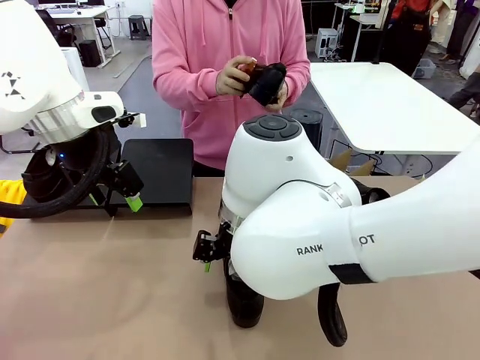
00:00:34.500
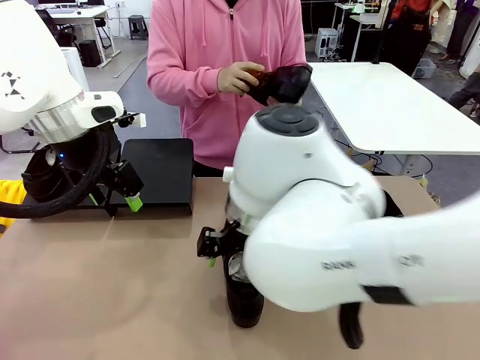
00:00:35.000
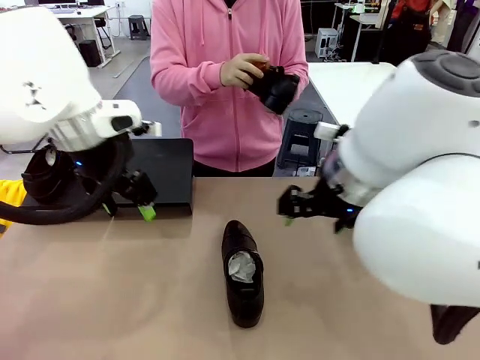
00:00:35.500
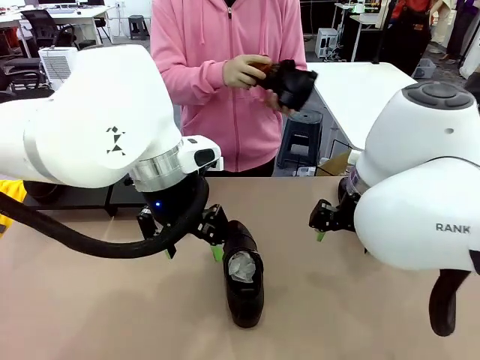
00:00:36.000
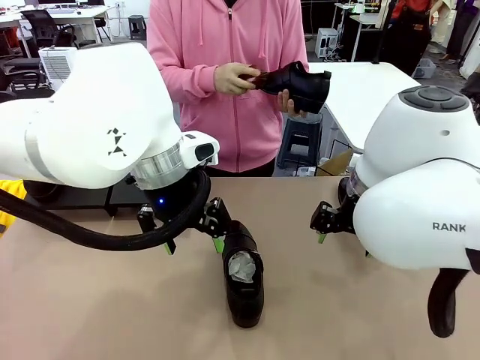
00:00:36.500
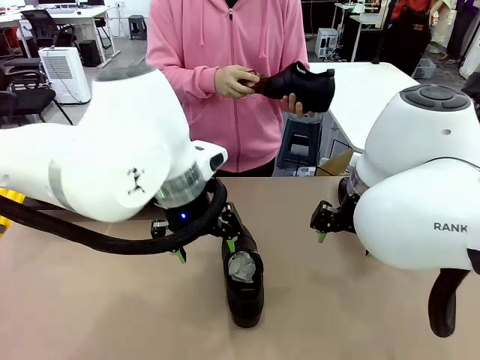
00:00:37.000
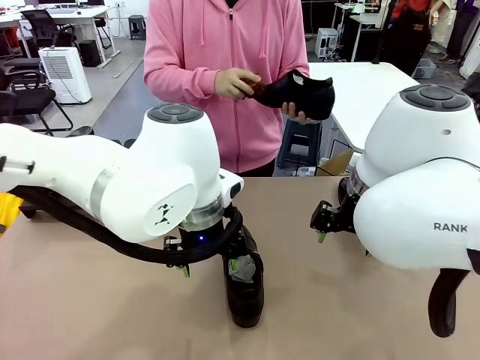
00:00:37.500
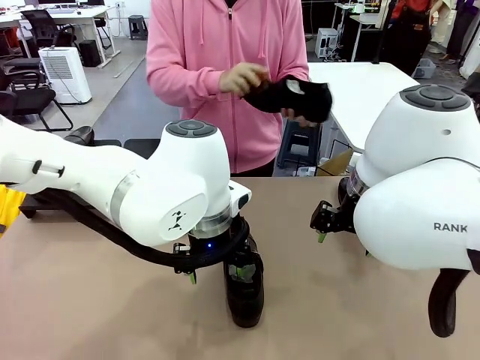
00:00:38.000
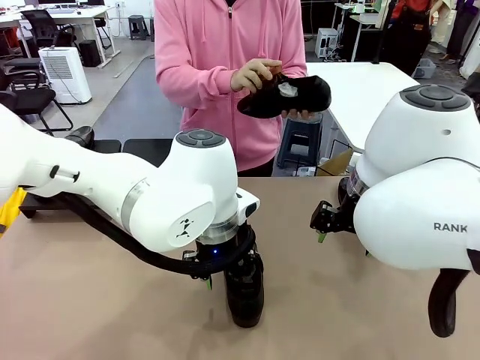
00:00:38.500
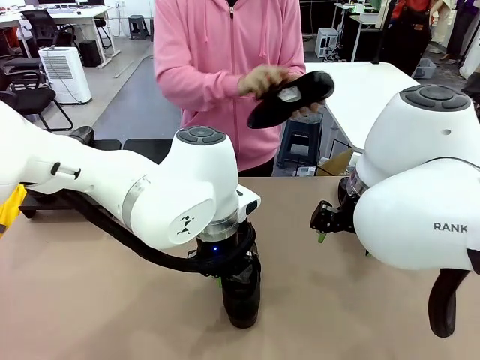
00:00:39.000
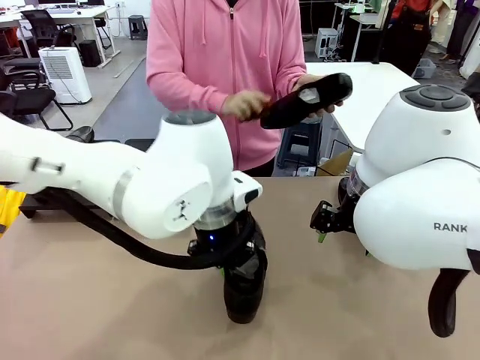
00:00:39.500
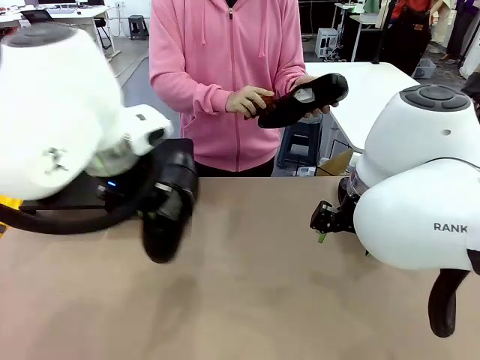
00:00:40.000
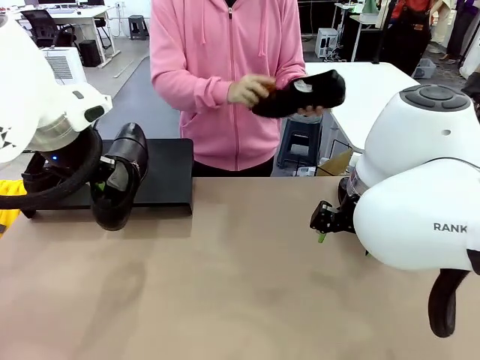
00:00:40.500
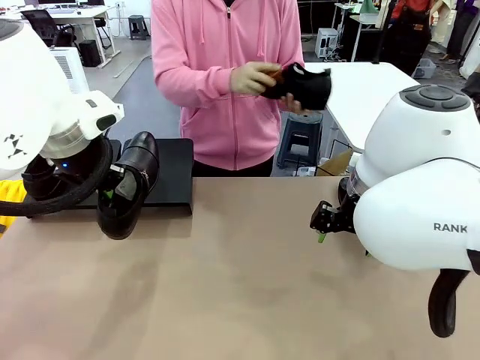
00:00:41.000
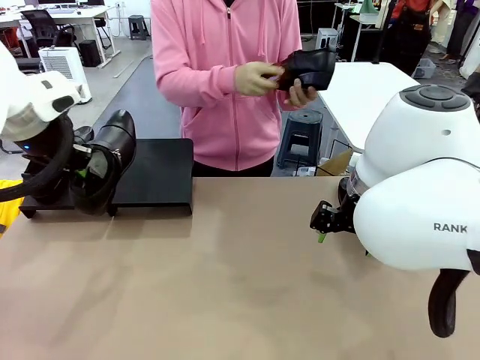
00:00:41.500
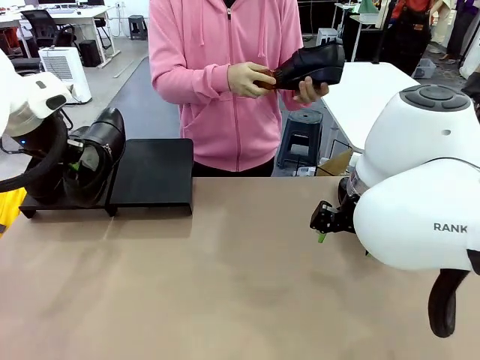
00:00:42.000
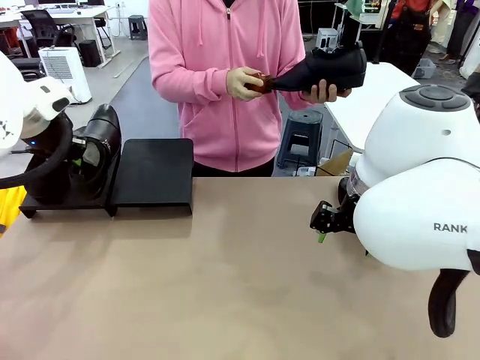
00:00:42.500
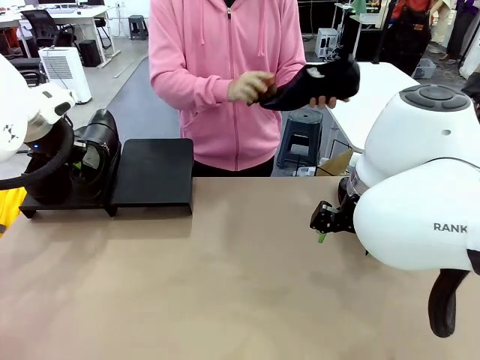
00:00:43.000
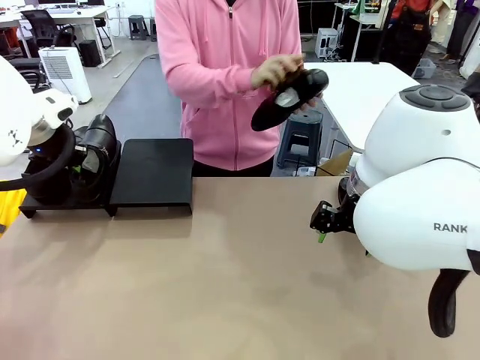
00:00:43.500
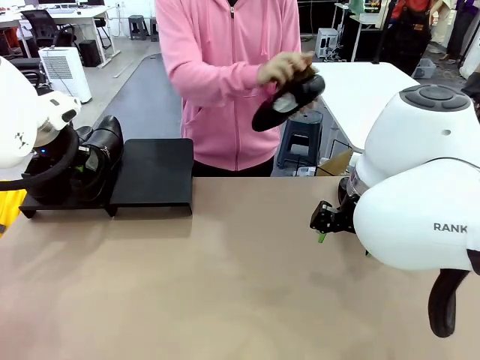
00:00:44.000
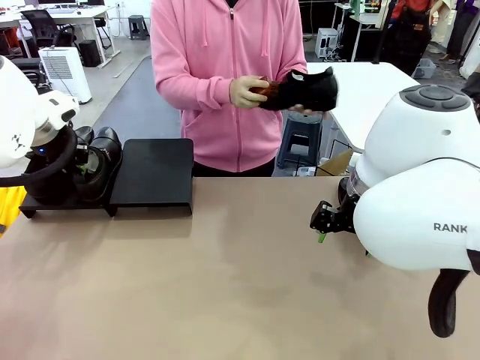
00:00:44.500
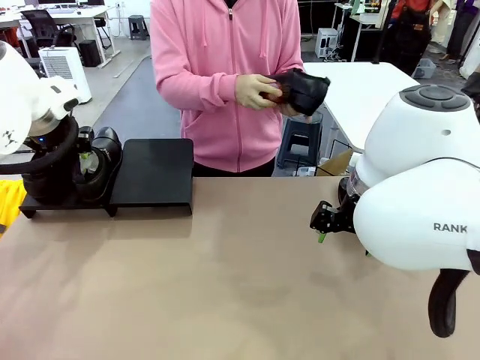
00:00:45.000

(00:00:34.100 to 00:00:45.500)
Task: Organize the shoes by placing them on the stand.
Robot: Place the Shoe from the middle of the table onto the Shoes Stand.
Person: Clean the Shoe with the Shoe Brush.

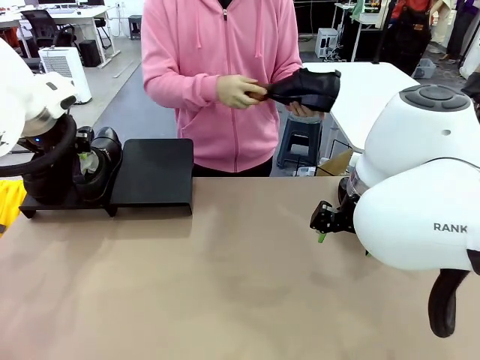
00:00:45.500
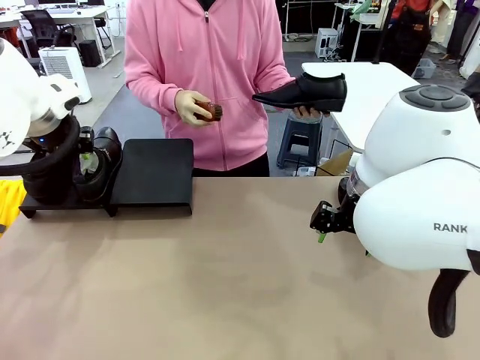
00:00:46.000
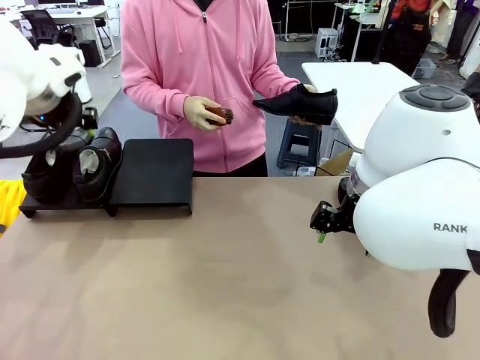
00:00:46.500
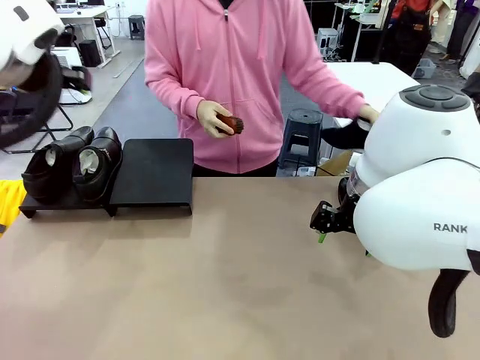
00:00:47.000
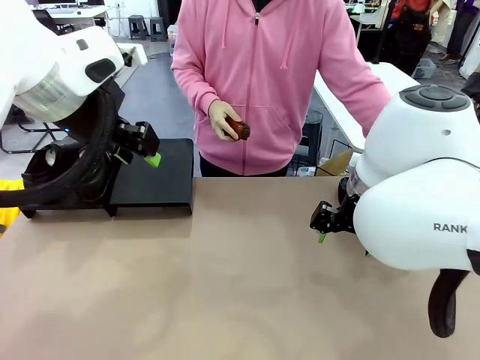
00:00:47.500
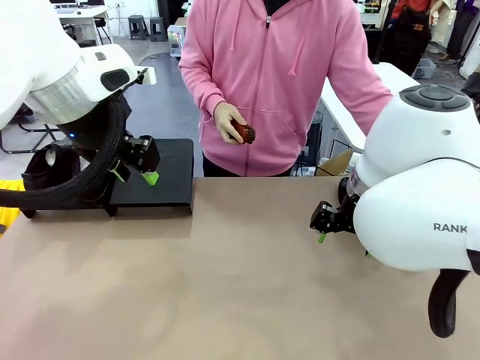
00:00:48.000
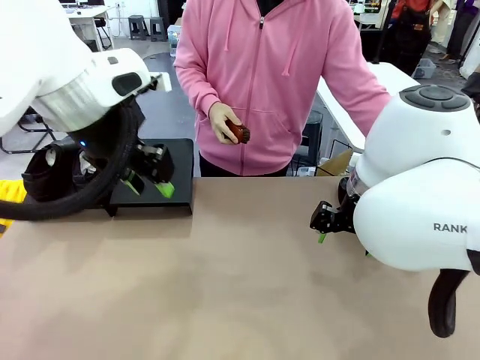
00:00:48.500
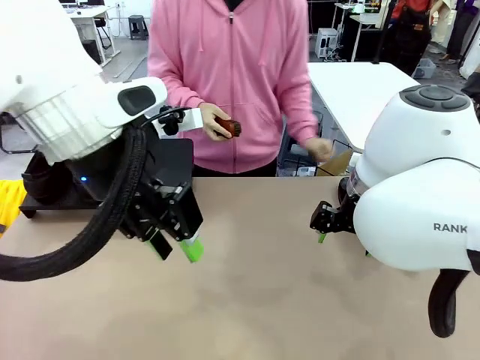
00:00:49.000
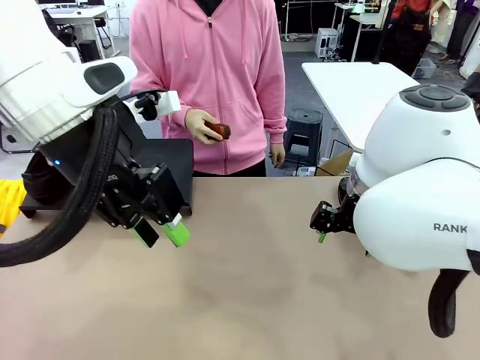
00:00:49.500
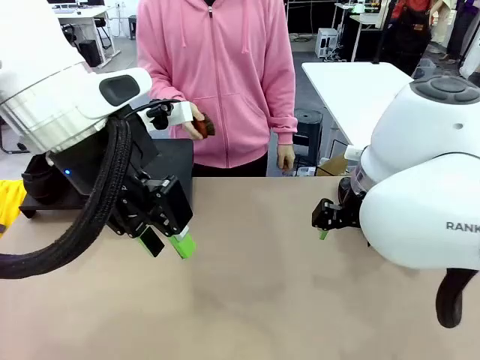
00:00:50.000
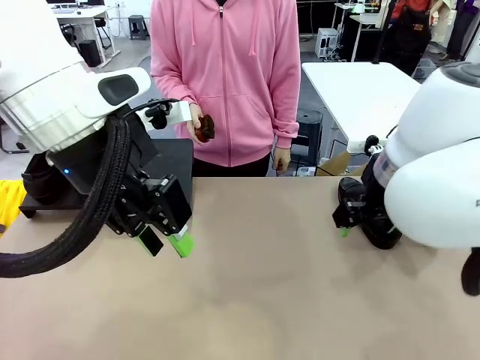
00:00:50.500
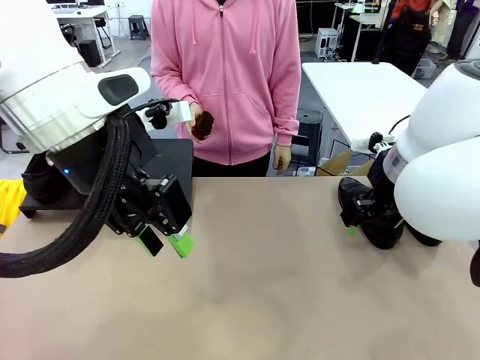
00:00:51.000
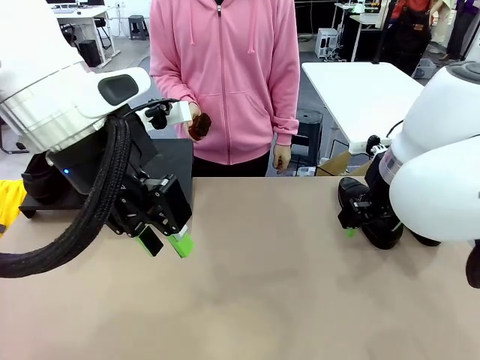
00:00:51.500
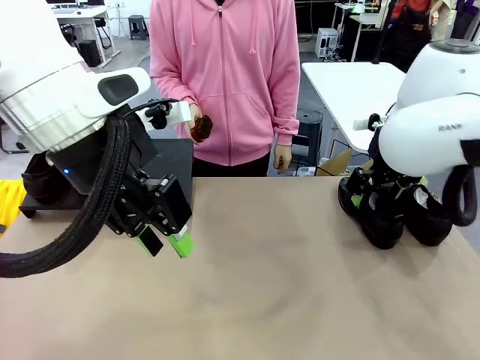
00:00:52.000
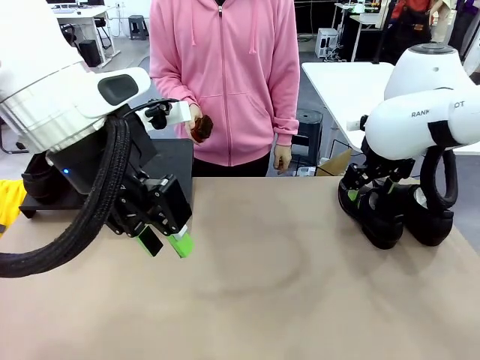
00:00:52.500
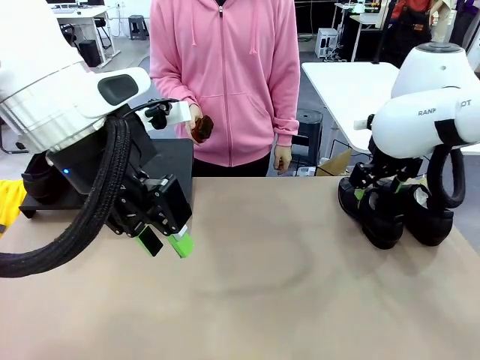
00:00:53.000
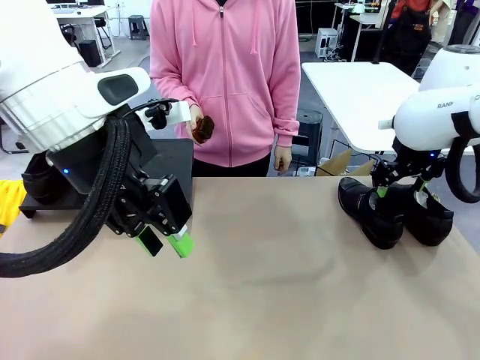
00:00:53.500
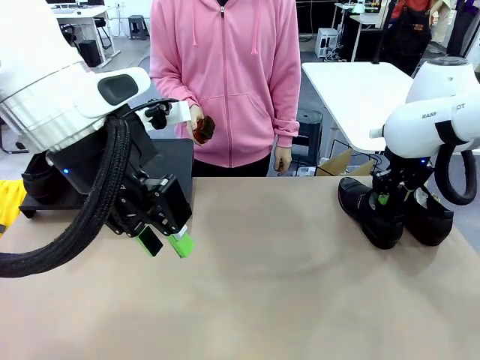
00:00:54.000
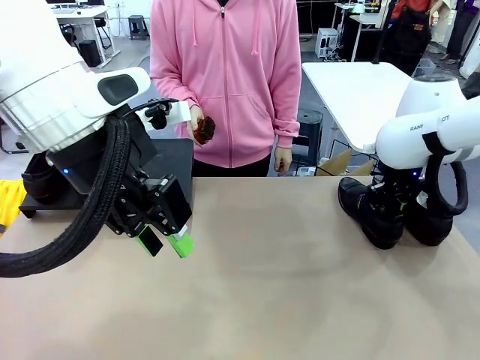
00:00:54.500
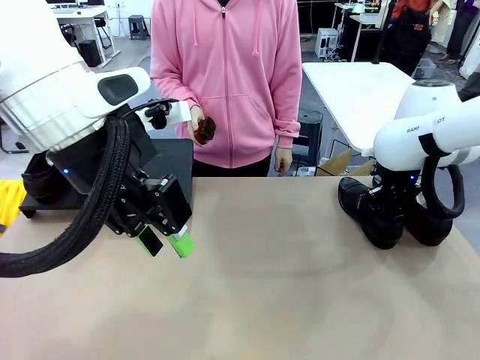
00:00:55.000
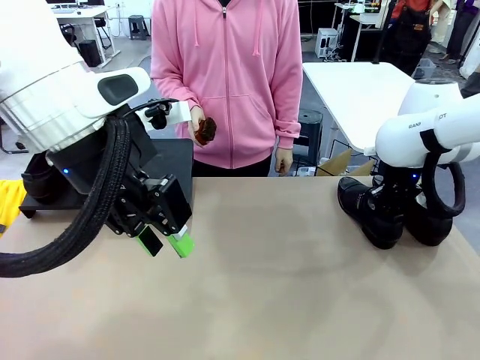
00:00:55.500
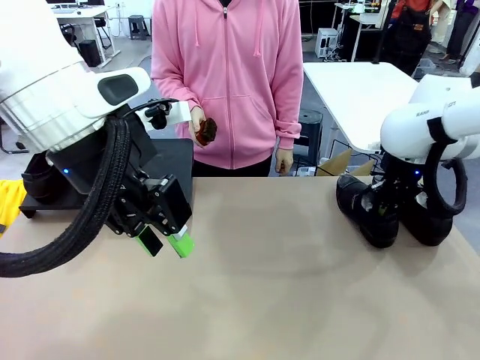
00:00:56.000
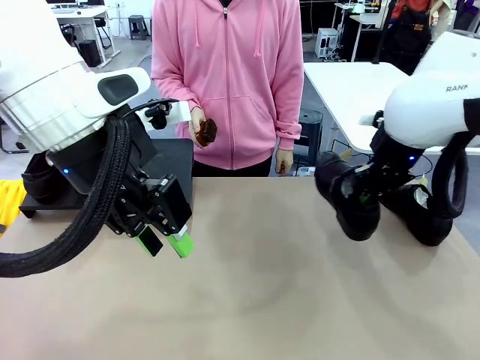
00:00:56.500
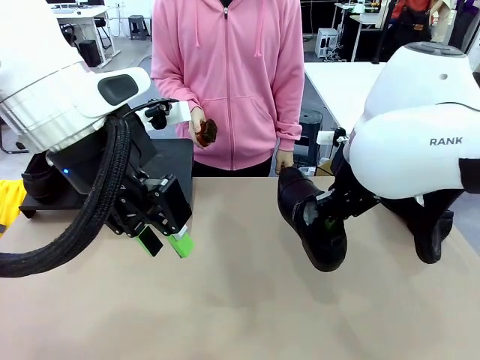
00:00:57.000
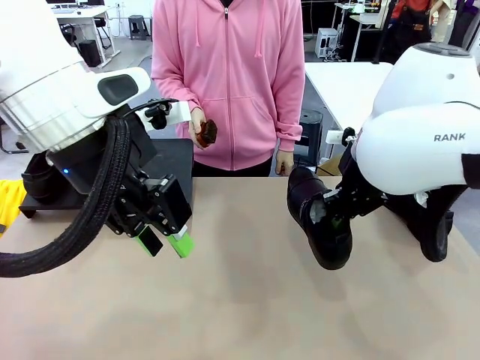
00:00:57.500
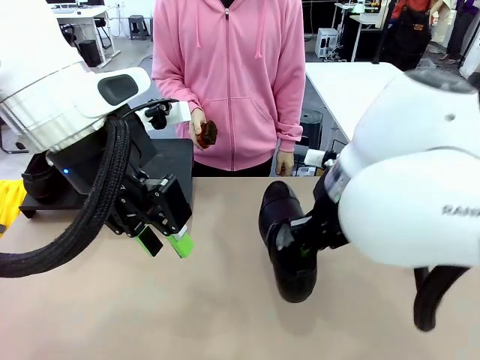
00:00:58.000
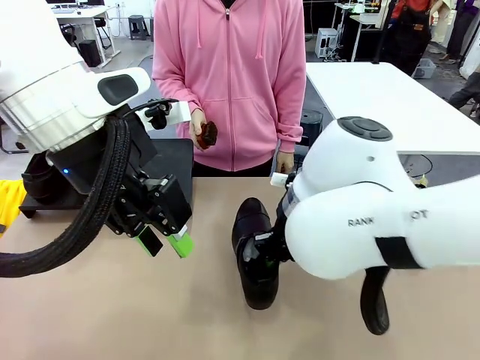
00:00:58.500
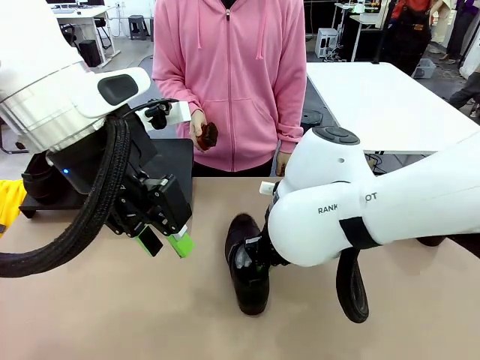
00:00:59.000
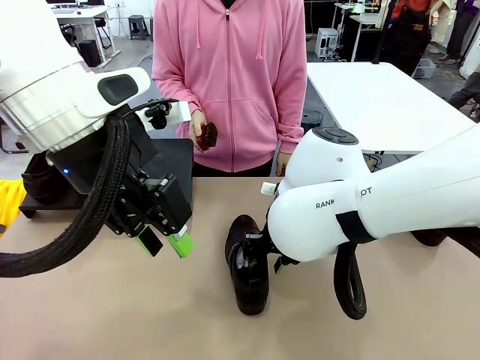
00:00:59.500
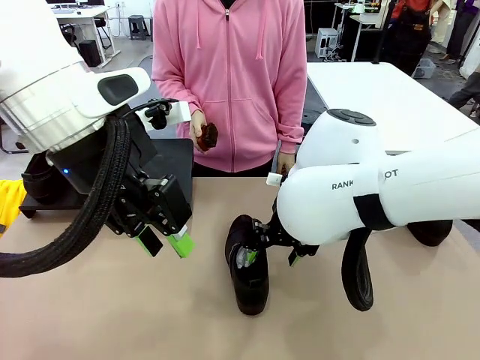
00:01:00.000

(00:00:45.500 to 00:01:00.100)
Robot: Pick up one Shoe and place it in the middle of the table.
